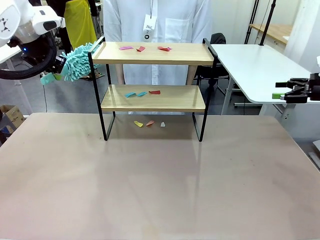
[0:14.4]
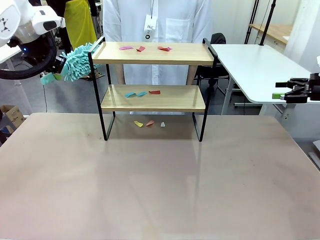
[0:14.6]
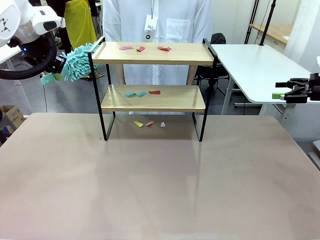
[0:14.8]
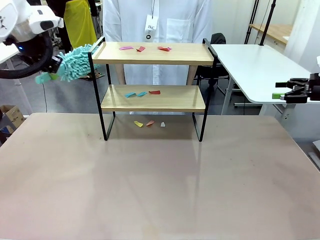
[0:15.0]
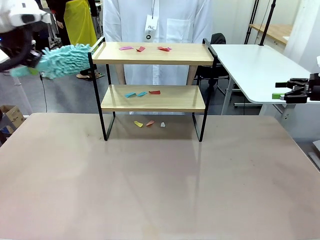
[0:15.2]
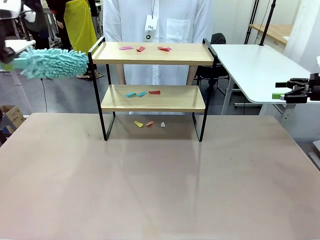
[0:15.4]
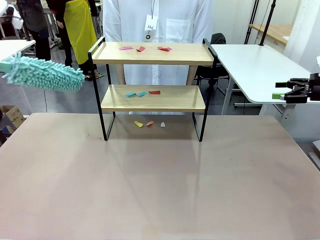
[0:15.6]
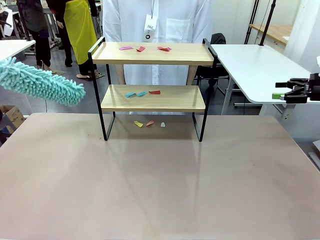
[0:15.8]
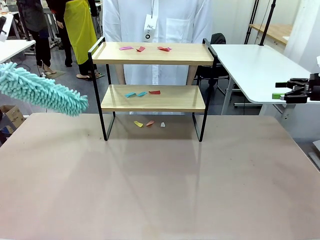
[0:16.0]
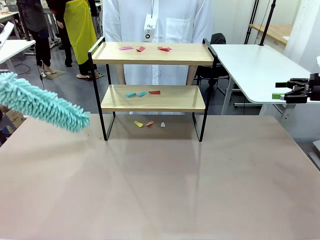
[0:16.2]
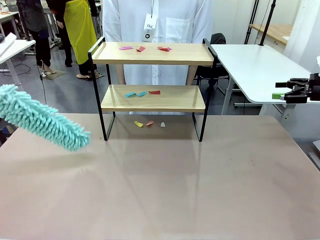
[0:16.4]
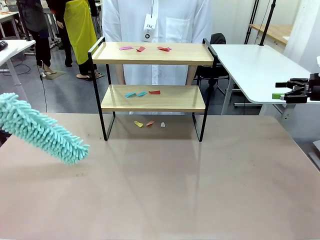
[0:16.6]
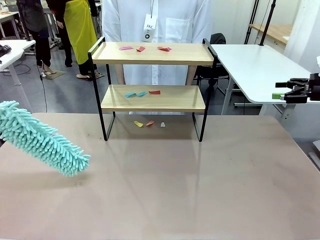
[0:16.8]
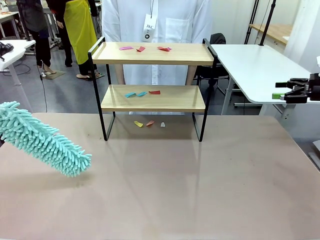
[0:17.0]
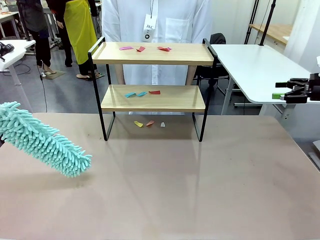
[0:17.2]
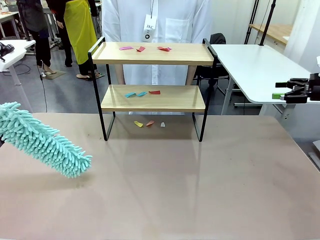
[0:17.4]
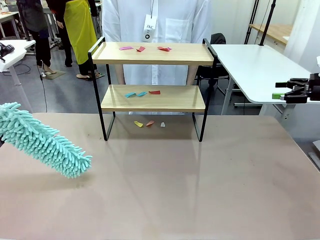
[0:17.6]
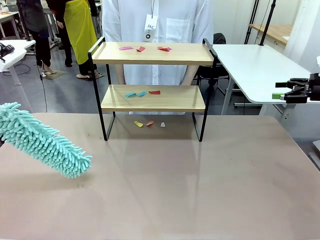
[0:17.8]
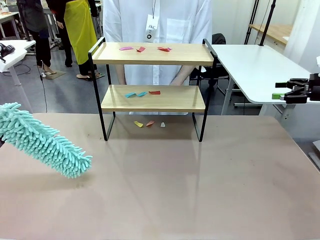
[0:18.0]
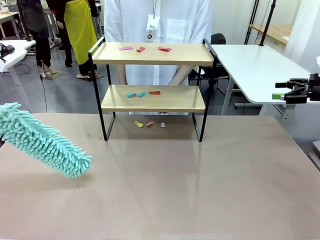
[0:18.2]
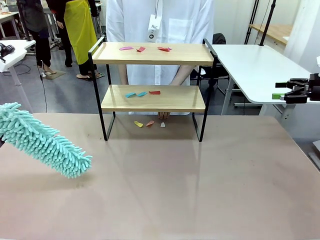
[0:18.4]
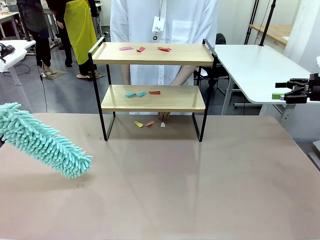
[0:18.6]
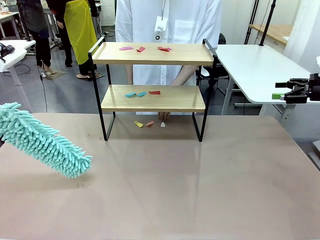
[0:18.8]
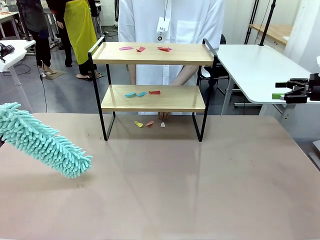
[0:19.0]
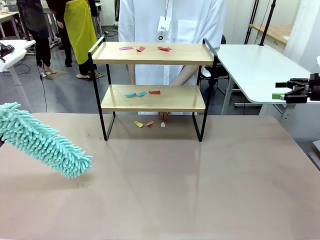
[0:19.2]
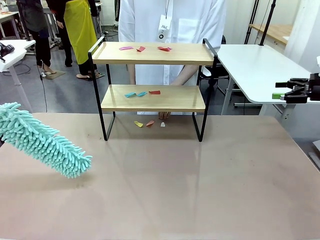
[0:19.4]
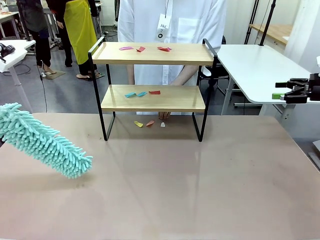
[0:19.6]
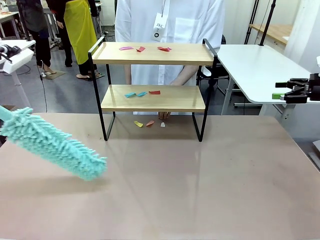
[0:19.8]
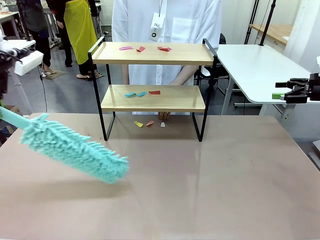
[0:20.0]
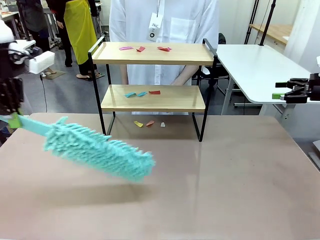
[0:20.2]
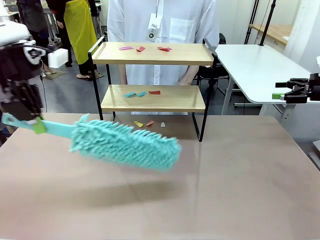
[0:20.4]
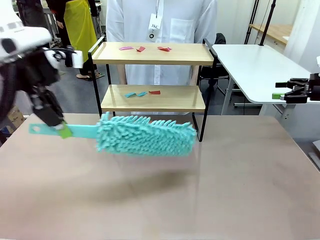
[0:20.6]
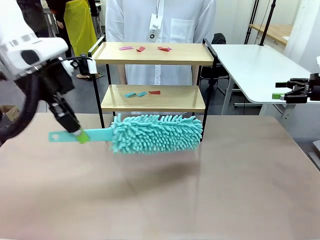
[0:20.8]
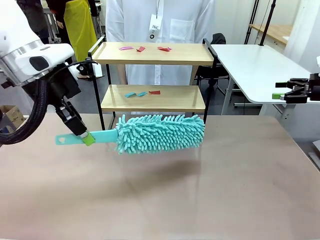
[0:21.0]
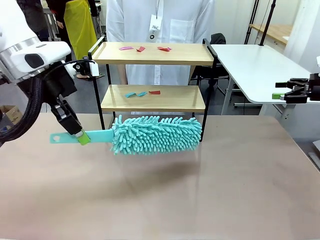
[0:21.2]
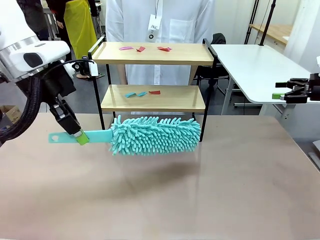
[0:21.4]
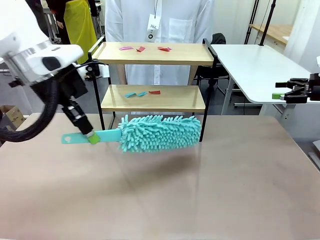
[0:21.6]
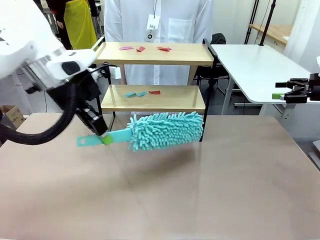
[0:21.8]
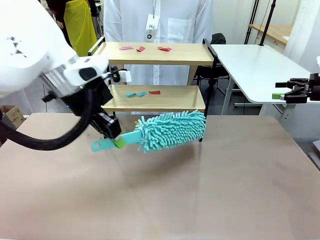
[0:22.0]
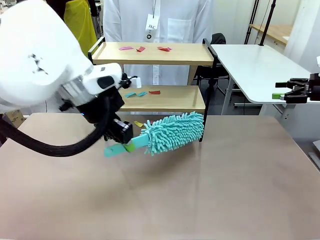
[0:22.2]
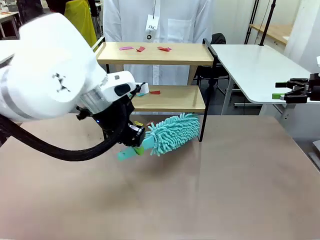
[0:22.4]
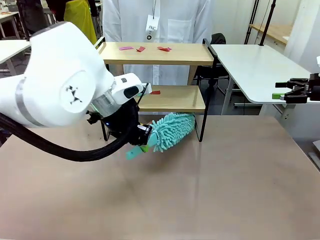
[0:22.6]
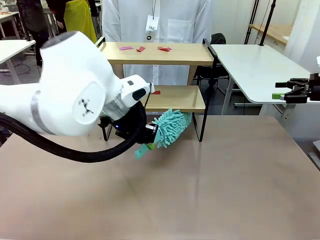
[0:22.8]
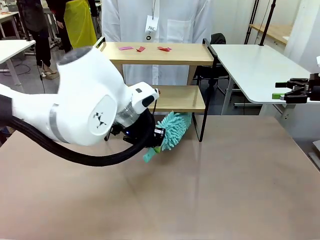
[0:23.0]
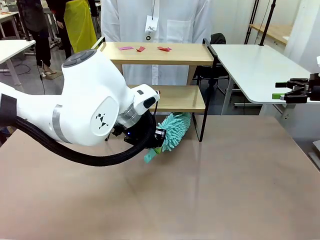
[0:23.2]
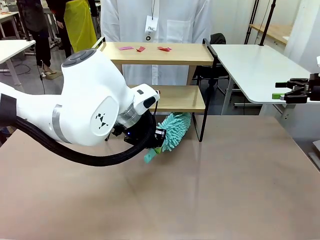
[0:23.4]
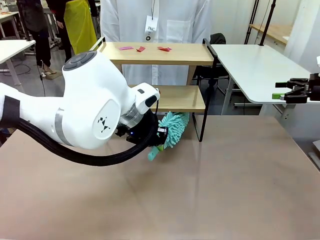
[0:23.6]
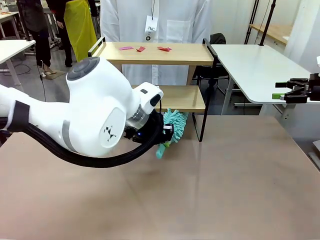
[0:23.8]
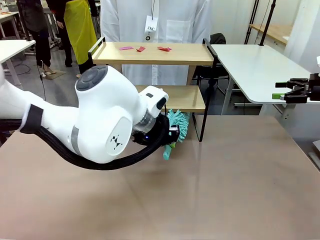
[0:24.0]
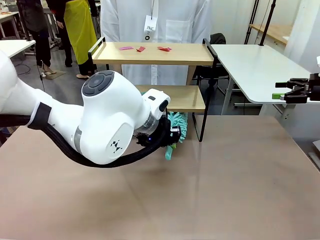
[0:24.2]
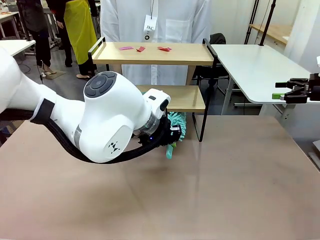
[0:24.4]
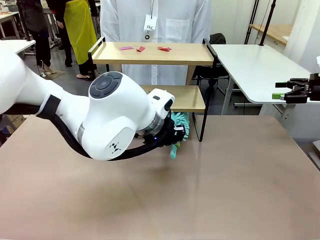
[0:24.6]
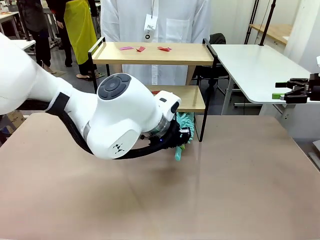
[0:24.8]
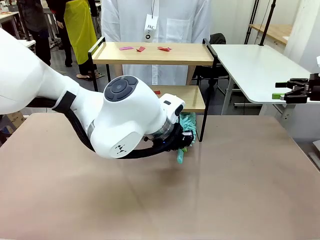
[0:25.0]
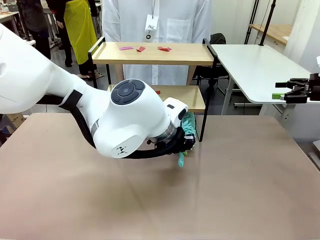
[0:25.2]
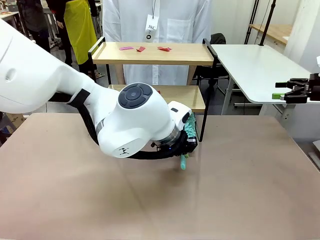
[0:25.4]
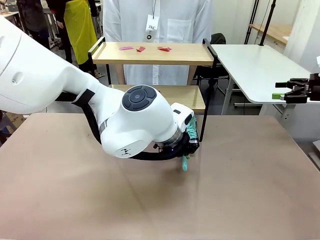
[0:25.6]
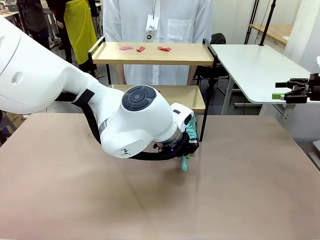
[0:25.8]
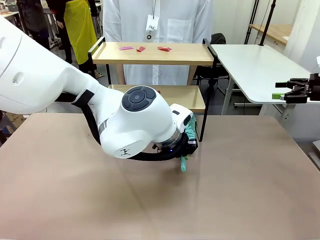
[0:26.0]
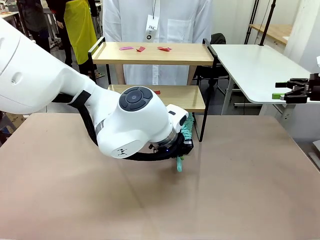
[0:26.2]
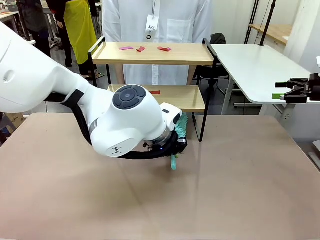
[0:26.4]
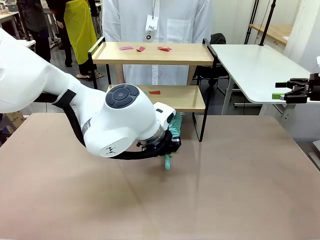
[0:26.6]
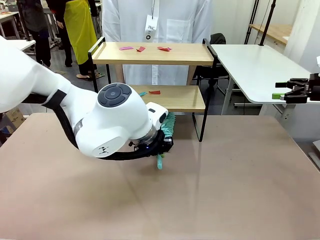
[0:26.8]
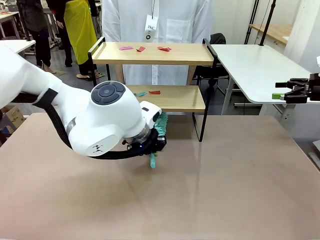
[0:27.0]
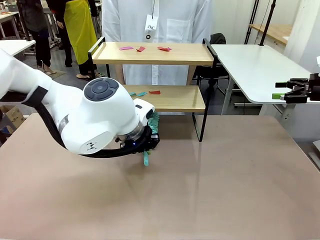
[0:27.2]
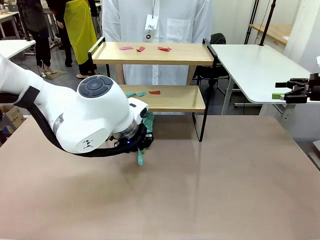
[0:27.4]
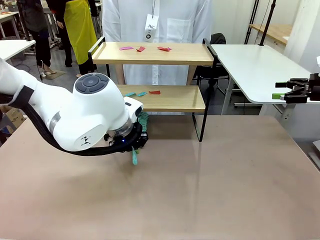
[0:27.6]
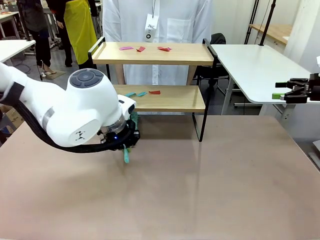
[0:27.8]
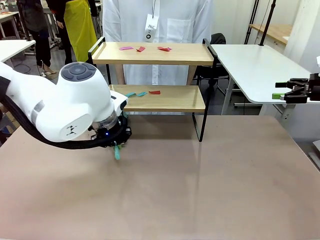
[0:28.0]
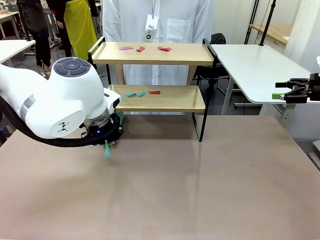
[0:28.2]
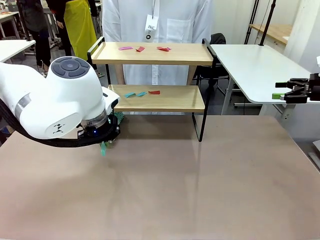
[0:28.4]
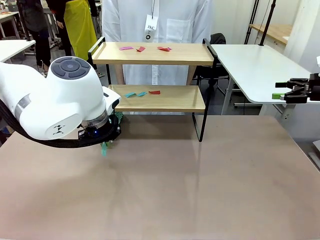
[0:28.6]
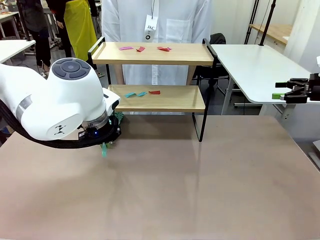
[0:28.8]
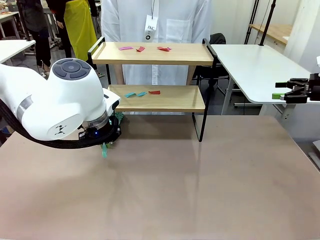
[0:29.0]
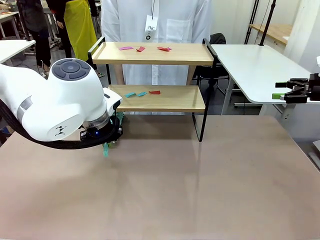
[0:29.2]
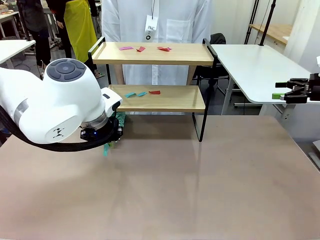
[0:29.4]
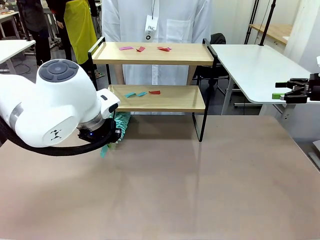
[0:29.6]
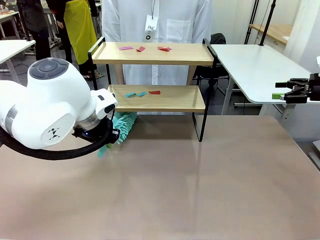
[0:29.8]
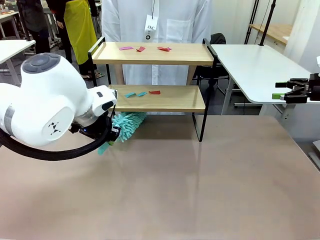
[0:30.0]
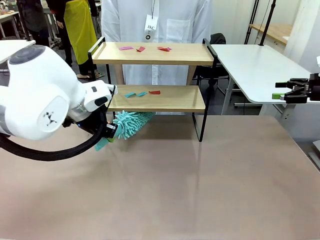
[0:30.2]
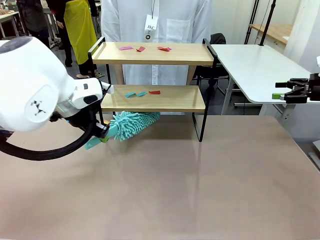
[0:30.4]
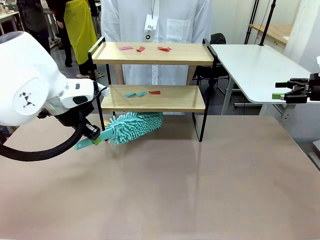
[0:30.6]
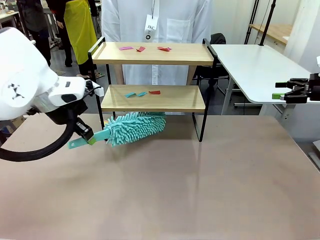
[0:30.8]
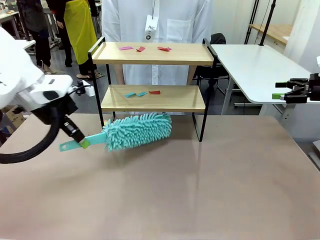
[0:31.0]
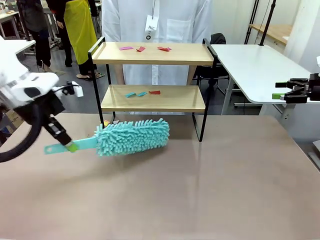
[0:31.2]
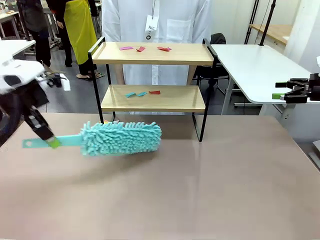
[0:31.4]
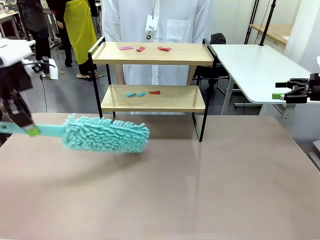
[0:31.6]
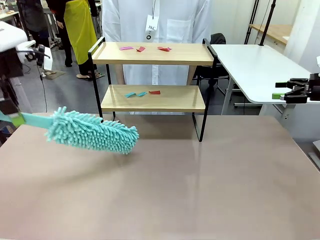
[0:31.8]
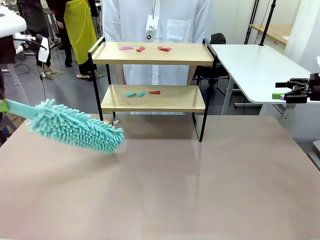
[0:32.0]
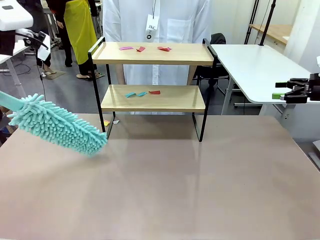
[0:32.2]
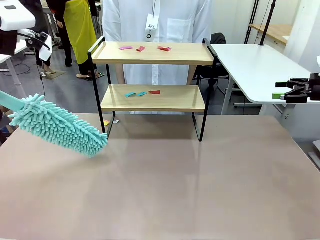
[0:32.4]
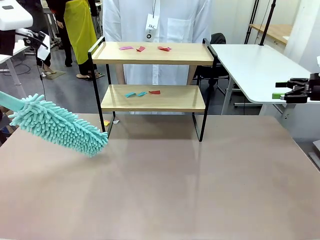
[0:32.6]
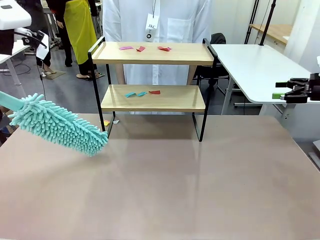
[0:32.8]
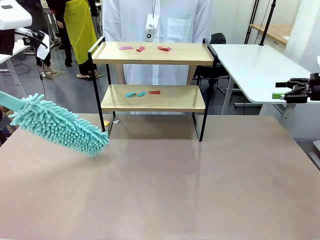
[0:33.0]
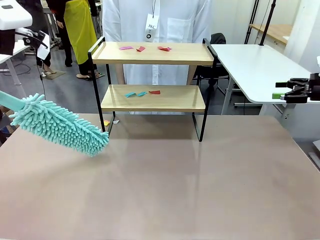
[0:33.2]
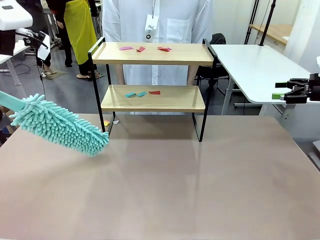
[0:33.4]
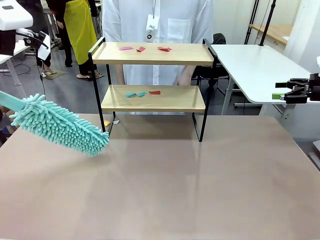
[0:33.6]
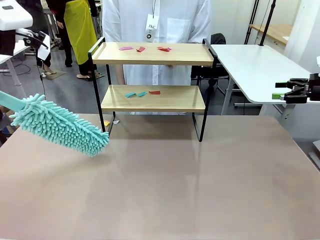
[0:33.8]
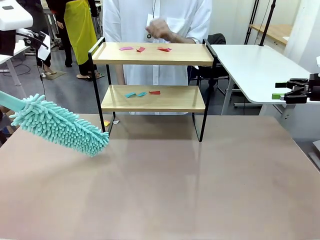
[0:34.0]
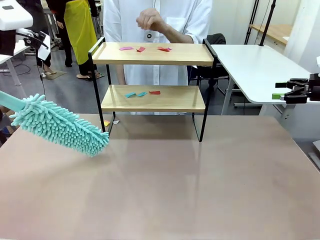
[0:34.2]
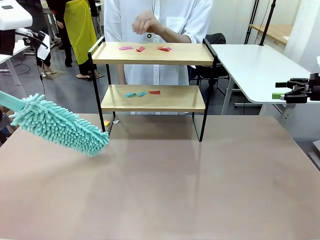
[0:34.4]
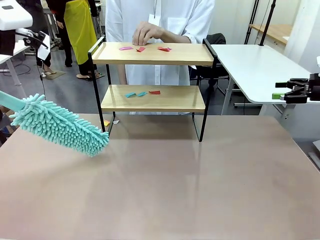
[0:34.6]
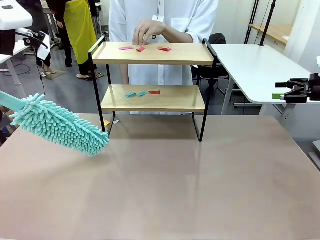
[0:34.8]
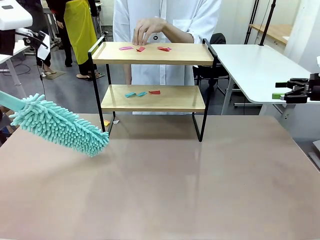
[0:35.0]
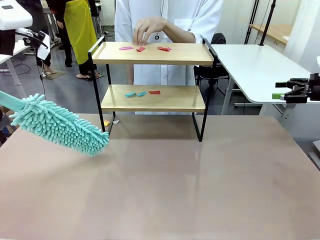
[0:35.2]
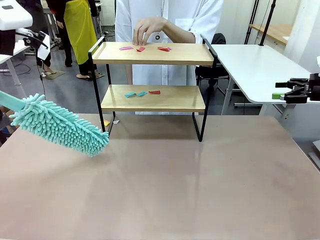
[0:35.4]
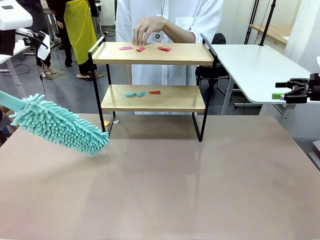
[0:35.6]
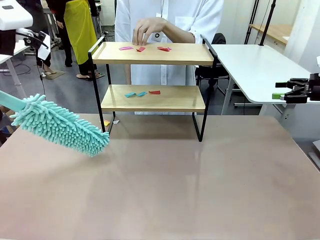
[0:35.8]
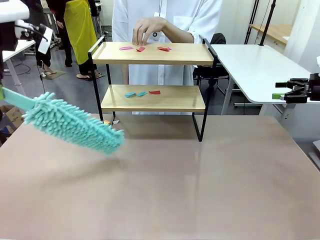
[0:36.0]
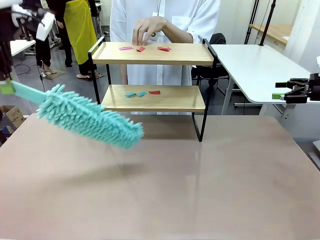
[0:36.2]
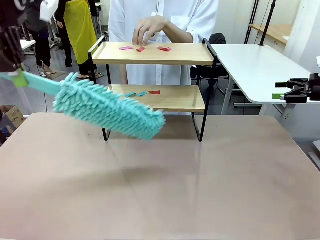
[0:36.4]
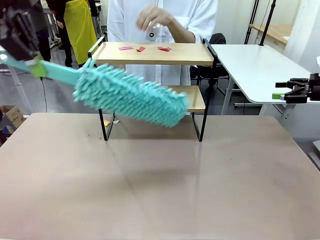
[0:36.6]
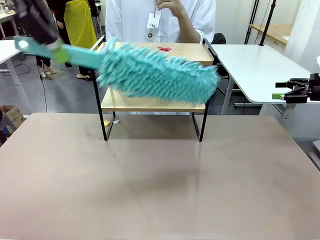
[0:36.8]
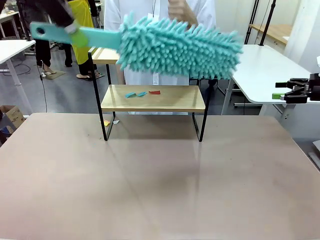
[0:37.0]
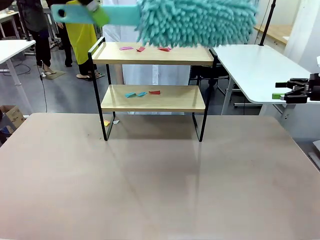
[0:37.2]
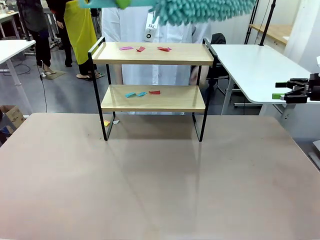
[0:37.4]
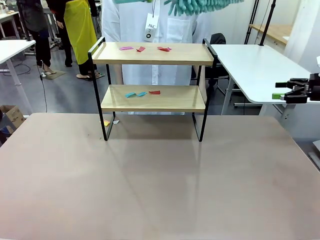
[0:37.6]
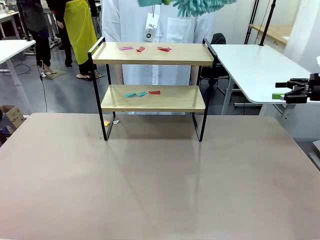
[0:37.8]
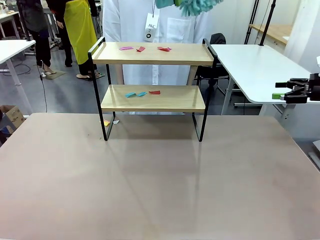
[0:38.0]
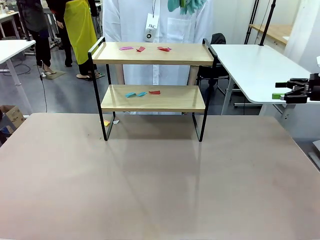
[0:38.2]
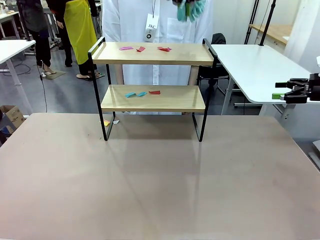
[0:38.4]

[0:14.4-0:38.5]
Task: Clean the shelf.
Robot: Clean the specific section of the Shelf indicated by the human with the Duster.
Person: Point a random section of the Shelf.
